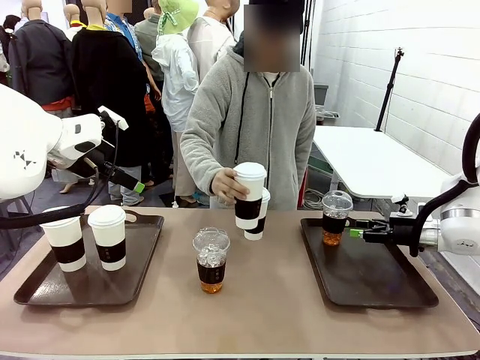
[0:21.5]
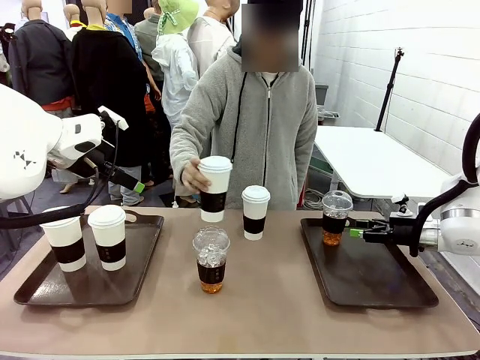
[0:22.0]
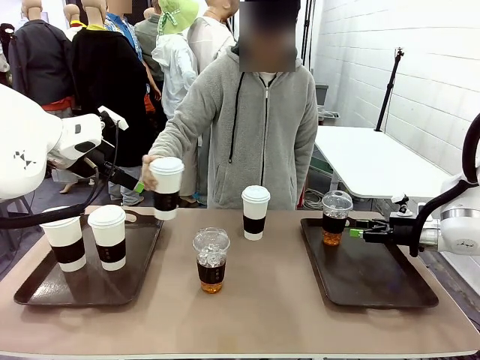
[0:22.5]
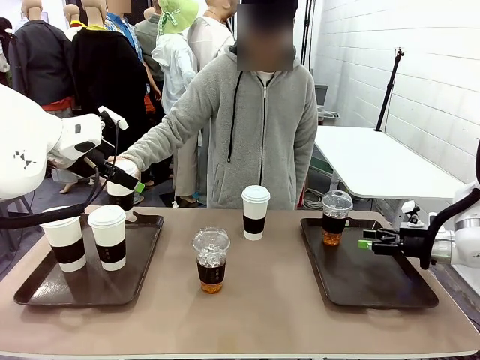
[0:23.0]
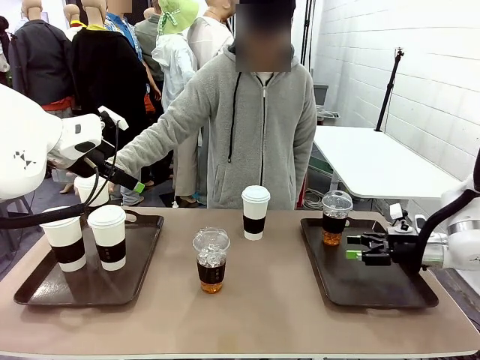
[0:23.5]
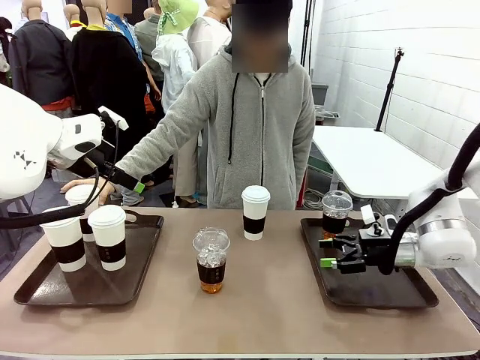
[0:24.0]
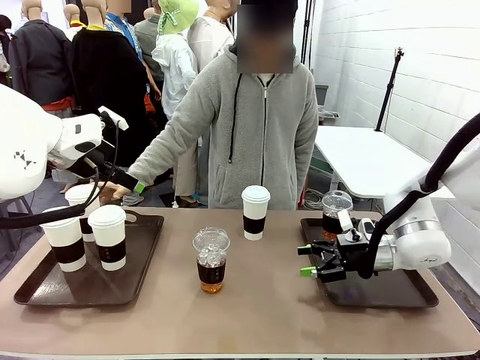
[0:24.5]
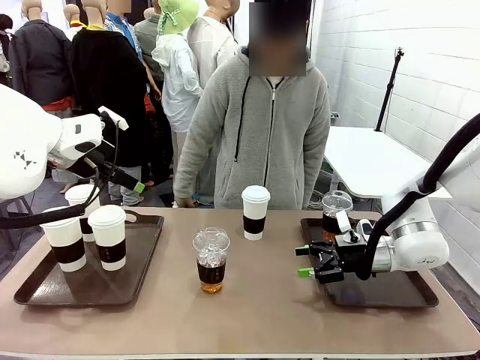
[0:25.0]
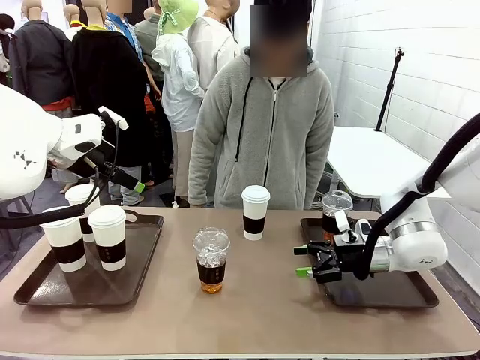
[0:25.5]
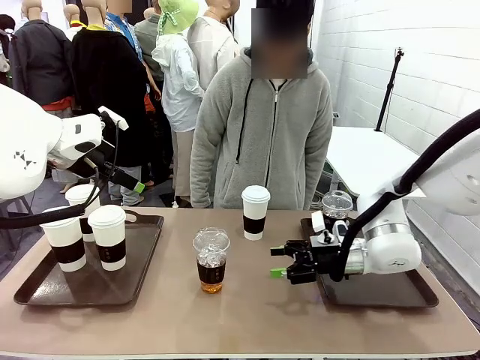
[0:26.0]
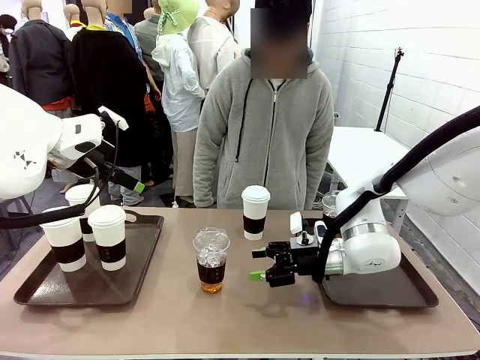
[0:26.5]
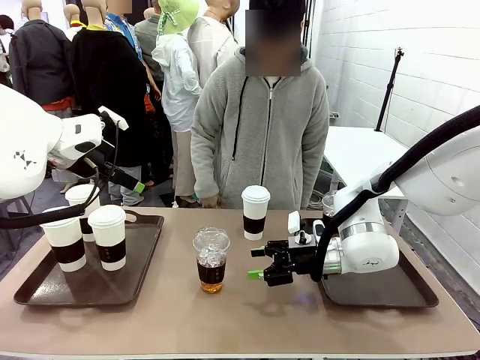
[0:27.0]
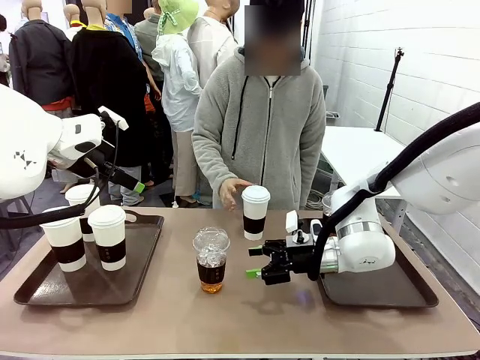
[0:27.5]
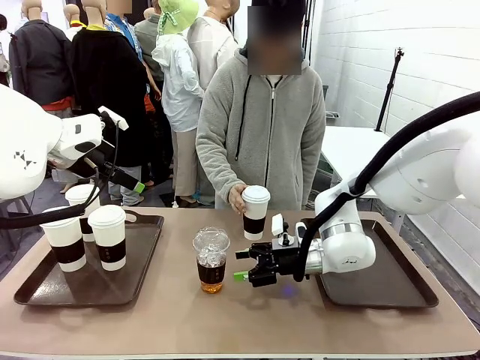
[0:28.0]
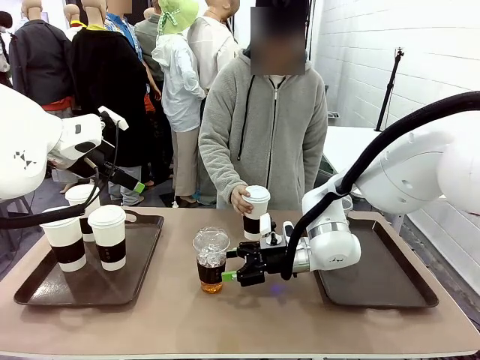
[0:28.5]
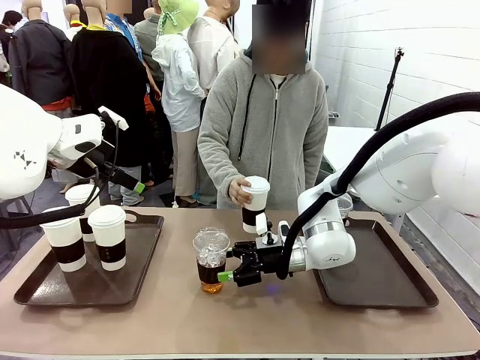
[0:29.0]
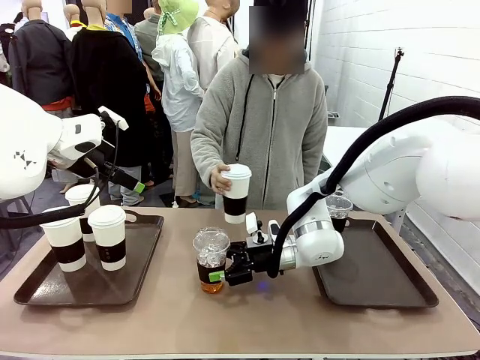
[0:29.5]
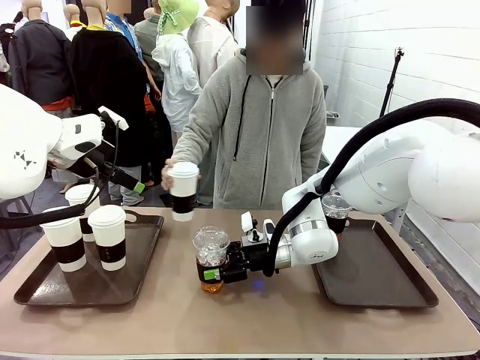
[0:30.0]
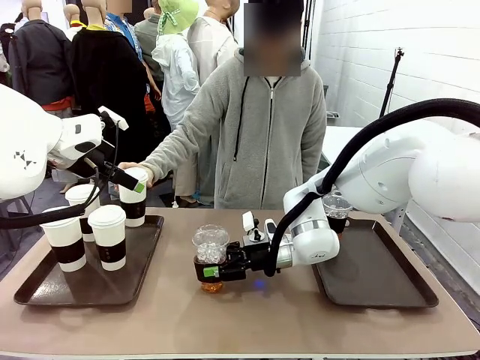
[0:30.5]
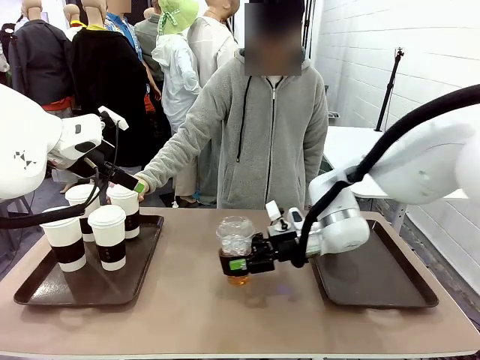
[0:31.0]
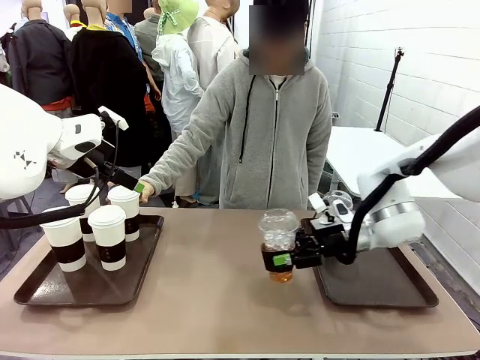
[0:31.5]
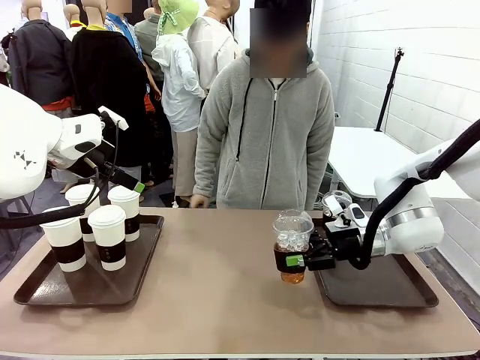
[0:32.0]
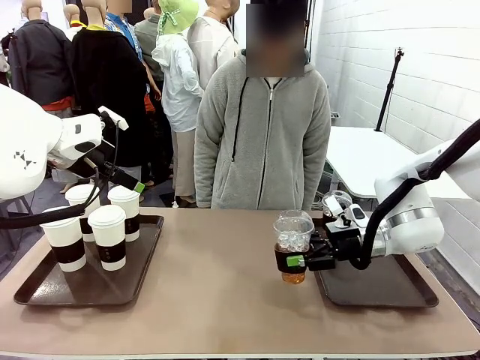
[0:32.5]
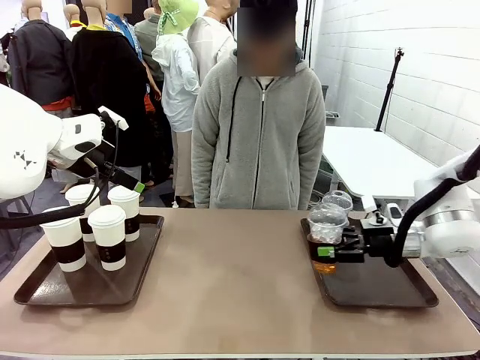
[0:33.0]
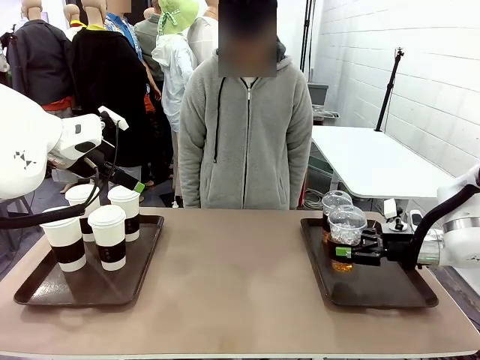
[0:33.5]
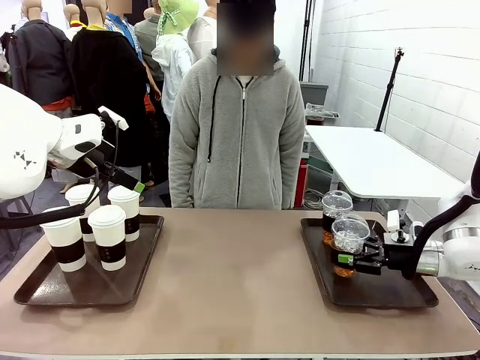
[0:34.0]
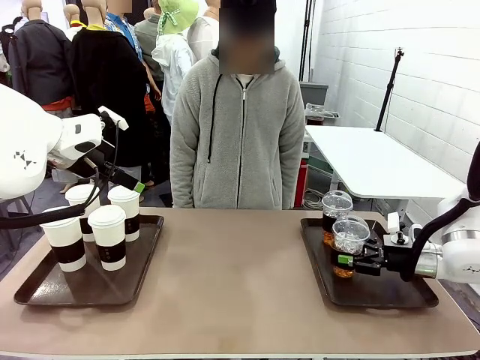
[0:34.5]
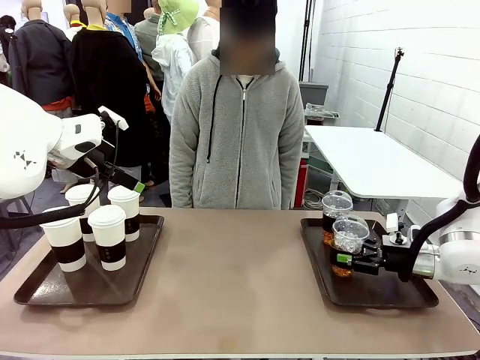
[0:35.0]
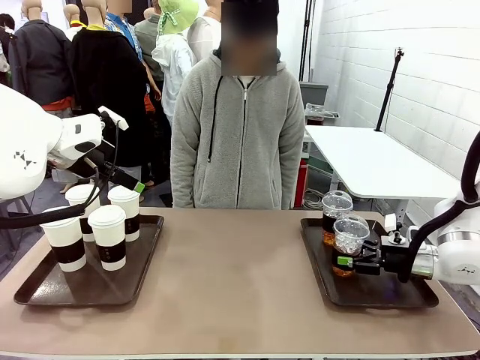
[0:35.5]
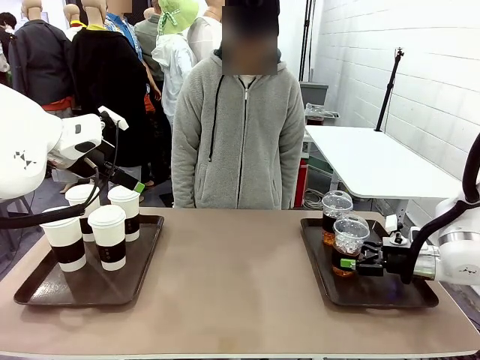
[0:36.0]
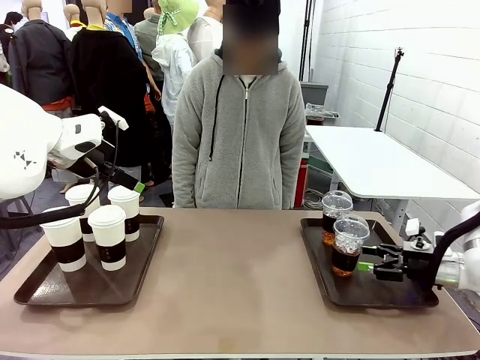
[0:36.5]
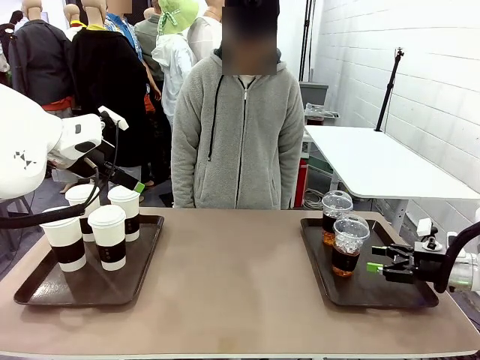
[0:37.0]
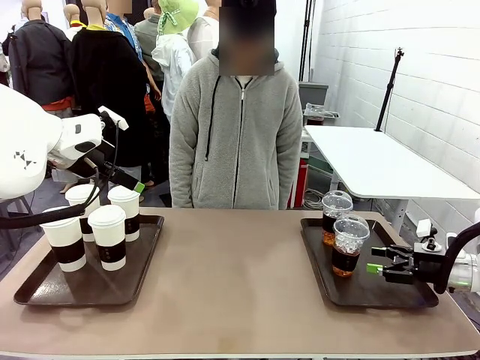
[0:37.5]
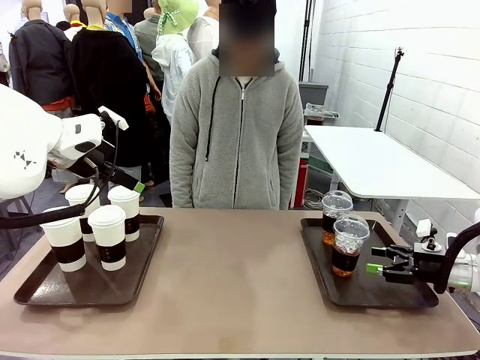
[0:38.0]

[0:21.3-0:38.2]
Task: Distribute the coffee onto the tray.
Robot: Pick up another iced Americano from the middle of the table and place it on the right Handle tray.
Person: Pick up a cup of hot Americano from the middle of the table and place it on the right tray.

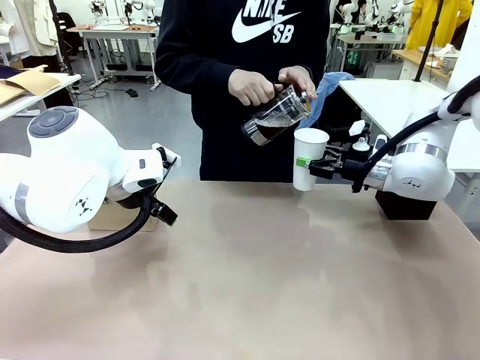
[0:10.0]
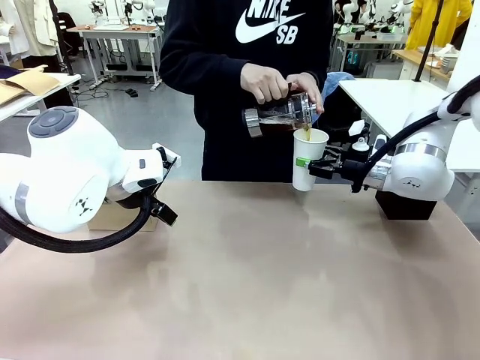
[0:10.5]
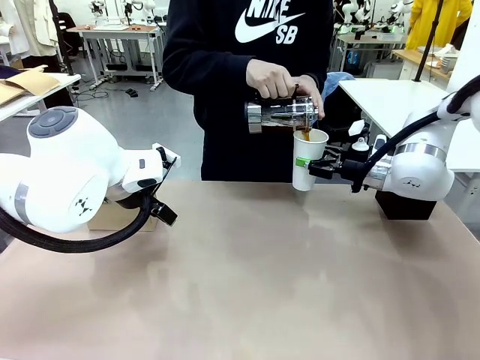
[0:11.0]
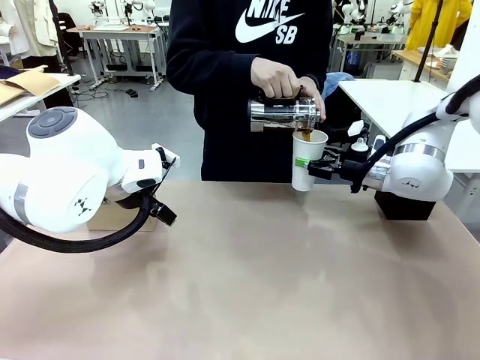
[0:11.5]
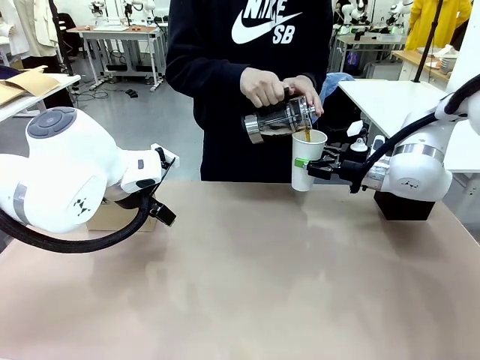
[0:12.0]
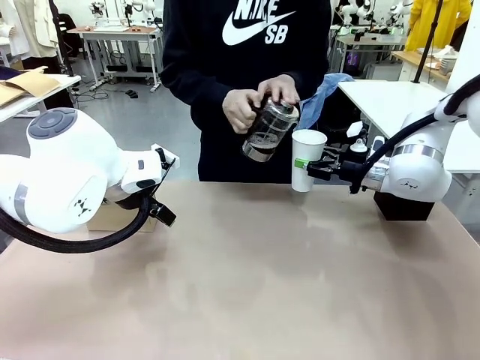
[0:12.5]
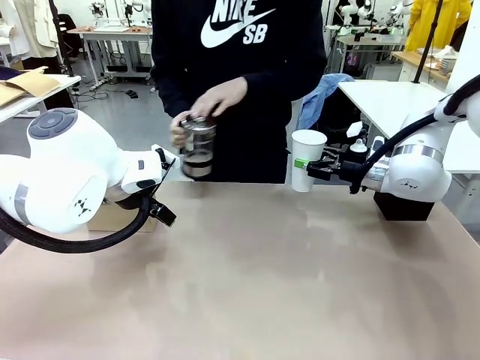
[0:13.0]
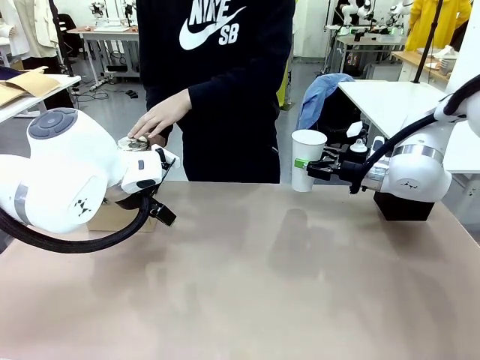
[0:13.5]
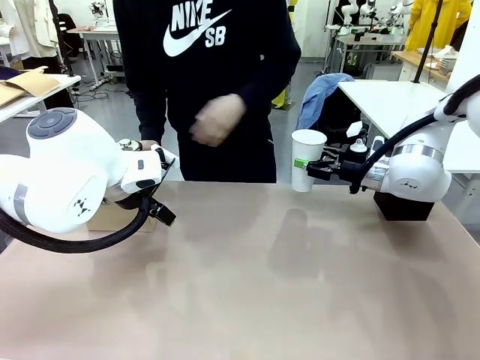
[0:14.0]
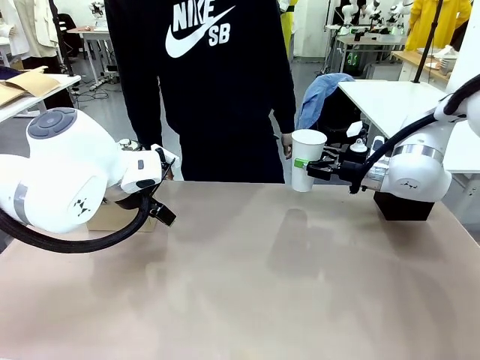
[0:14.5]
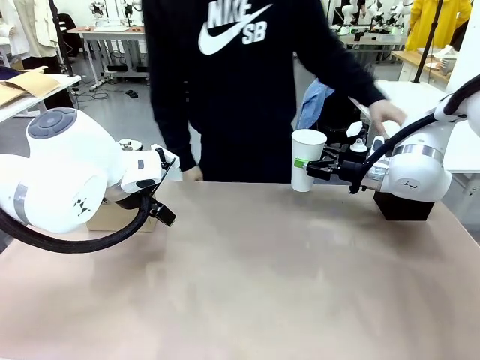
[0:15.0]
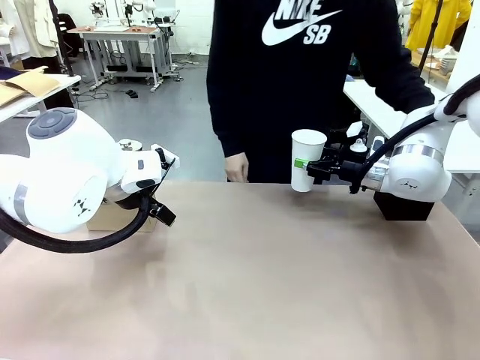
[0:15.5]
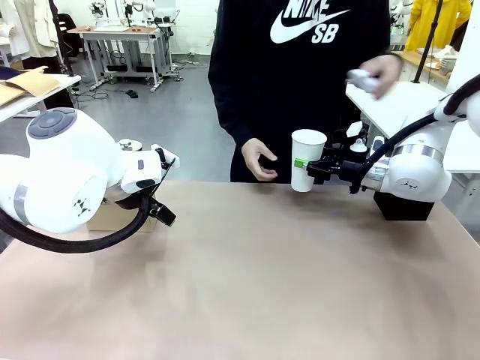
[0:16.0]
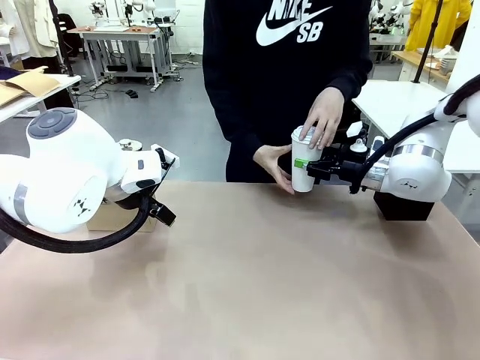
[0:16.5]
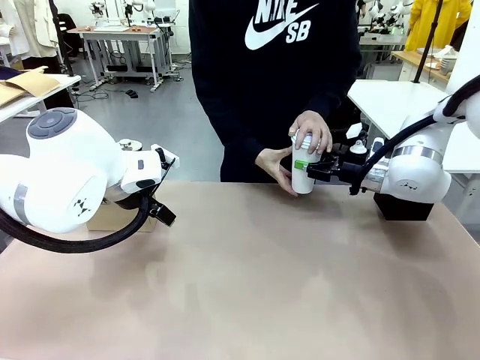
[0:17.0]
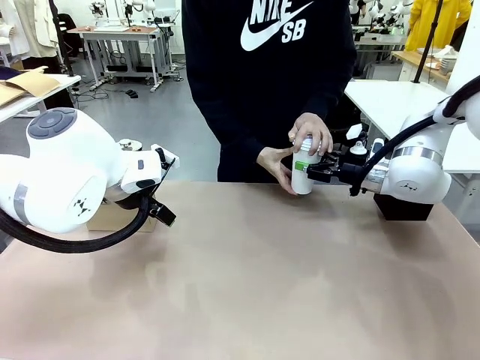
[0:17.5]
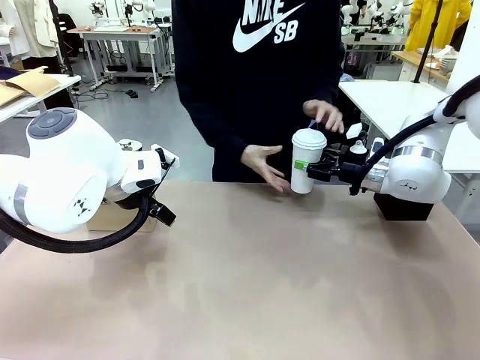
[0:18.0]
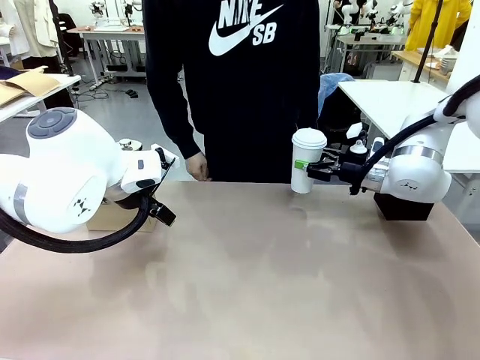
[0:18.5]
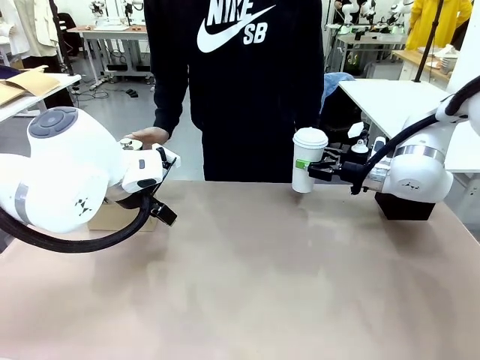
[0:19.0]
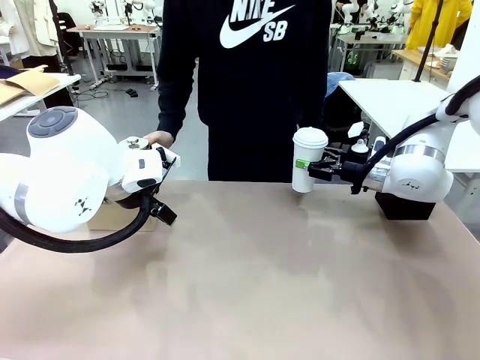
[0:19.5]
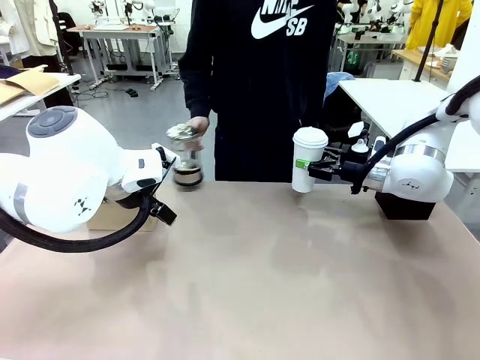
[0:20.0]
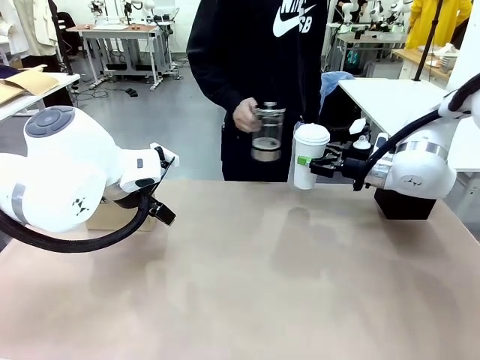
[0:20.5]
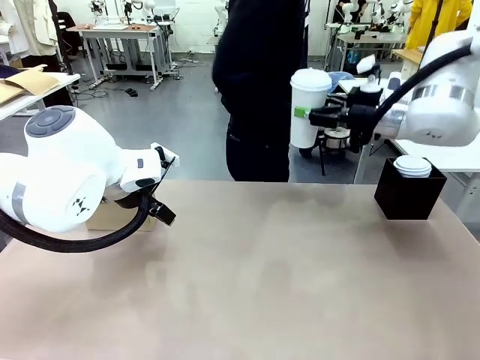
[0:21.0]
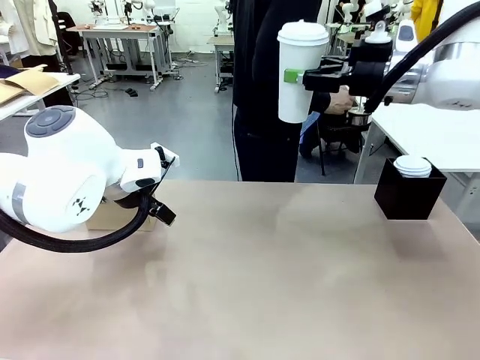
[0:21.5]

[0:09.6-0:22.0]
Task: Pour a drink into a cup and package it in a carrier.
Robot: When a person places the Paper Cup Lid on the 600 ml Paper Cup , lift the 600 ml Paper Cup.
Person: Pour the drink from the Filter Brewing into the 600 ml Paper Cup. Place a Paper Cup Lid on the 600 ml Paper Cup.
